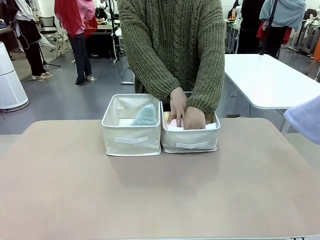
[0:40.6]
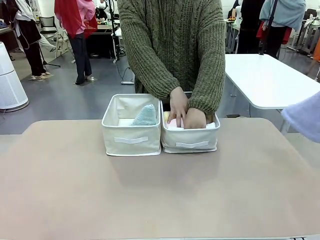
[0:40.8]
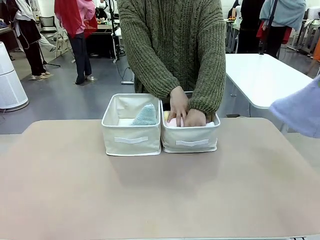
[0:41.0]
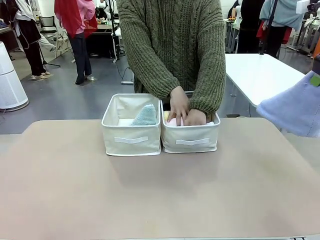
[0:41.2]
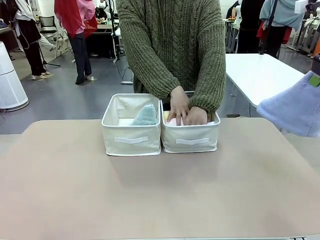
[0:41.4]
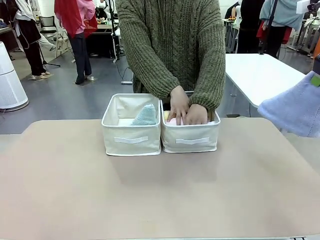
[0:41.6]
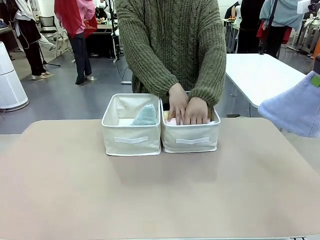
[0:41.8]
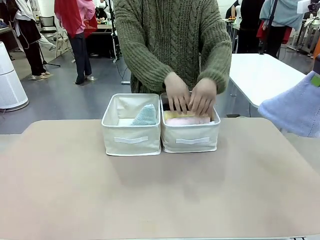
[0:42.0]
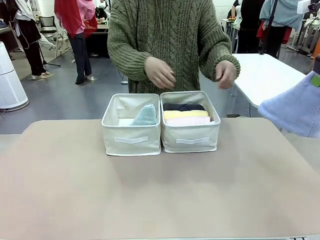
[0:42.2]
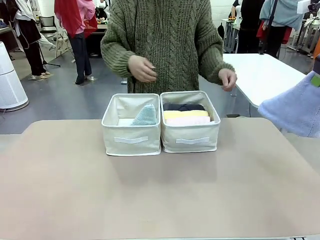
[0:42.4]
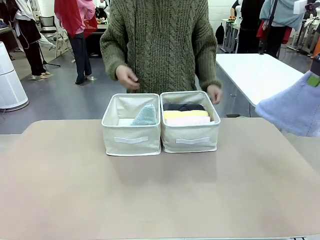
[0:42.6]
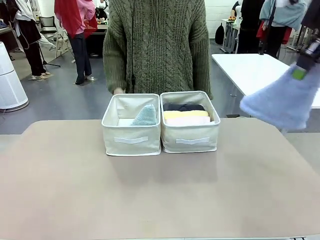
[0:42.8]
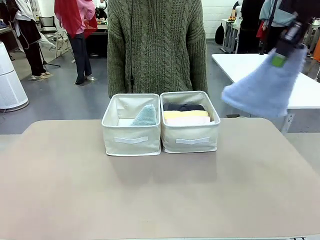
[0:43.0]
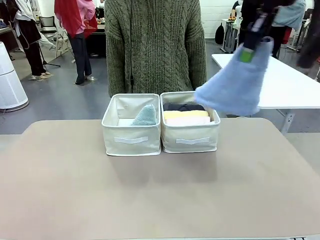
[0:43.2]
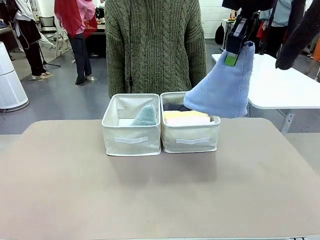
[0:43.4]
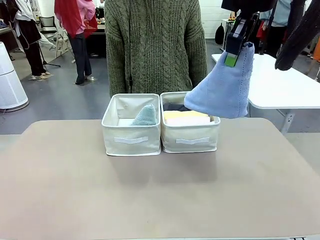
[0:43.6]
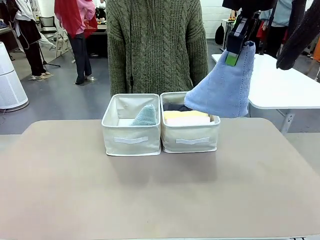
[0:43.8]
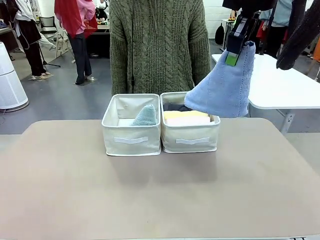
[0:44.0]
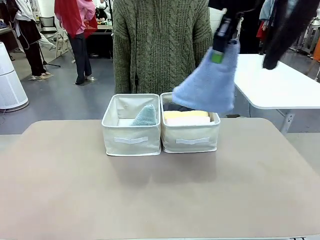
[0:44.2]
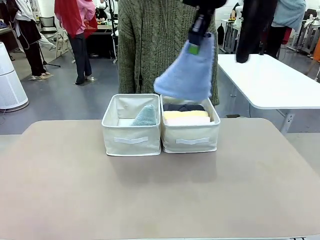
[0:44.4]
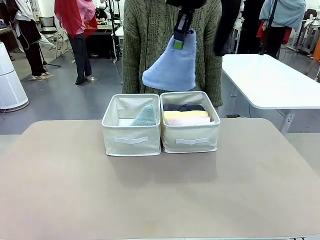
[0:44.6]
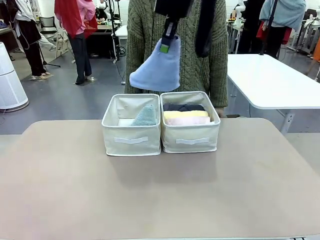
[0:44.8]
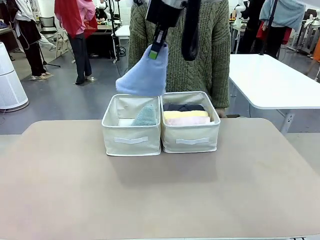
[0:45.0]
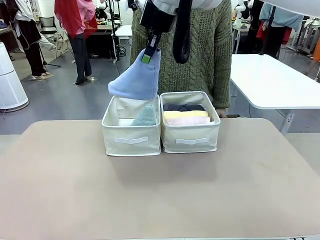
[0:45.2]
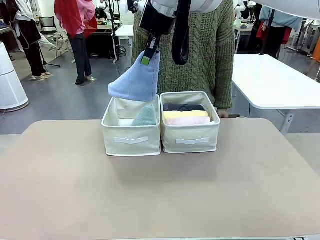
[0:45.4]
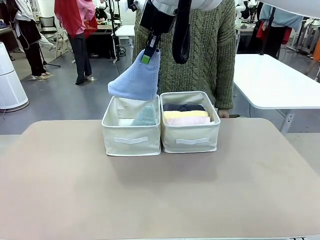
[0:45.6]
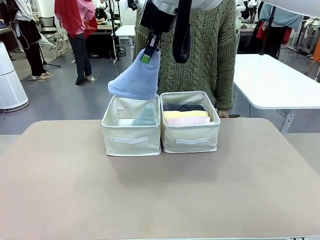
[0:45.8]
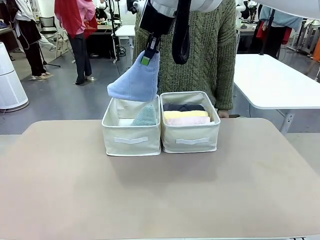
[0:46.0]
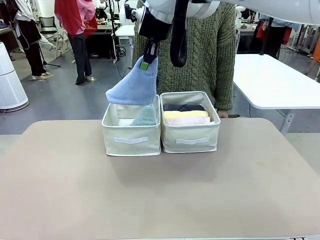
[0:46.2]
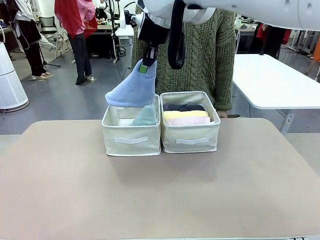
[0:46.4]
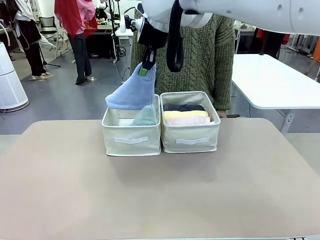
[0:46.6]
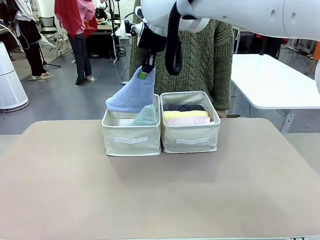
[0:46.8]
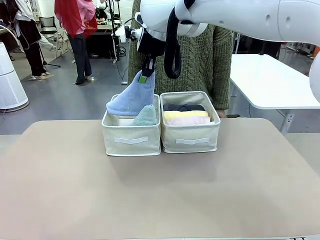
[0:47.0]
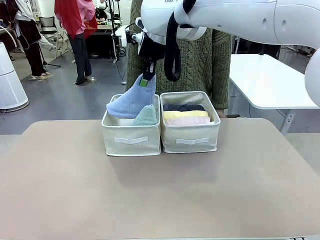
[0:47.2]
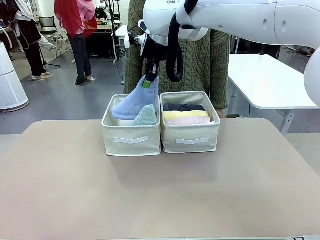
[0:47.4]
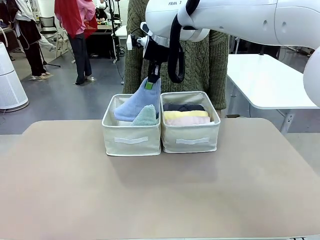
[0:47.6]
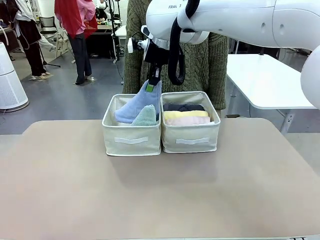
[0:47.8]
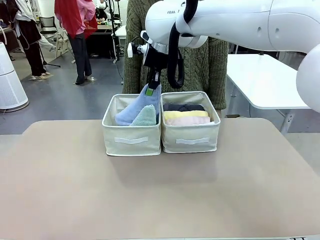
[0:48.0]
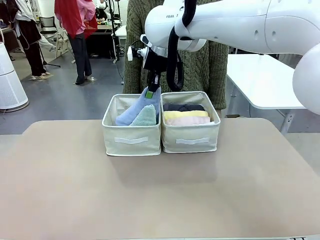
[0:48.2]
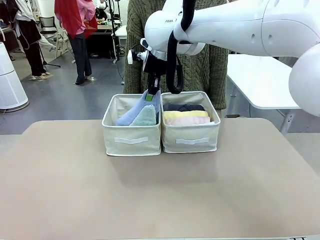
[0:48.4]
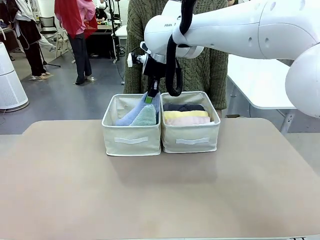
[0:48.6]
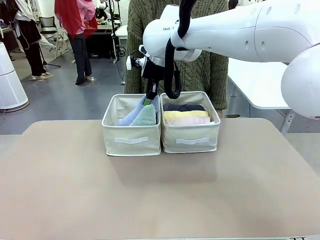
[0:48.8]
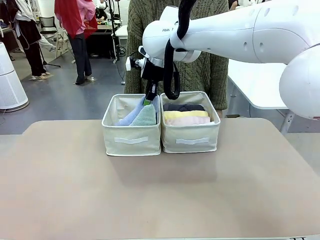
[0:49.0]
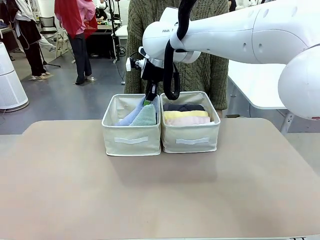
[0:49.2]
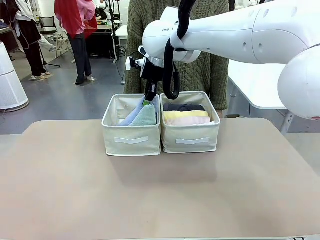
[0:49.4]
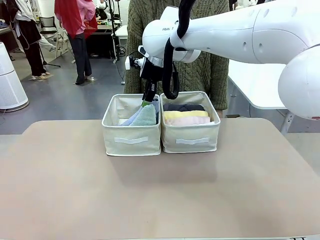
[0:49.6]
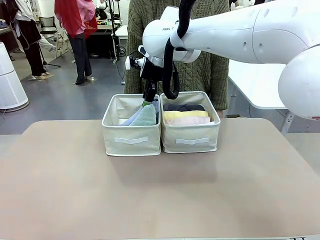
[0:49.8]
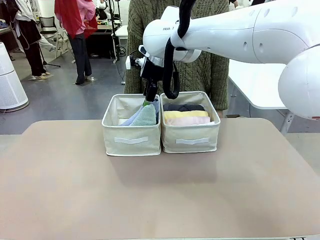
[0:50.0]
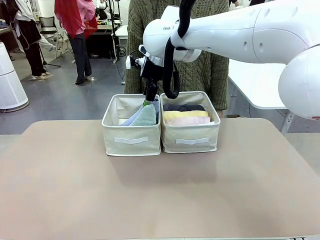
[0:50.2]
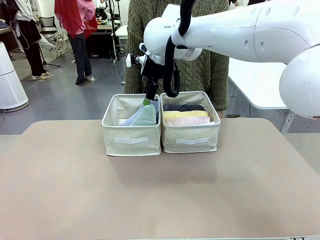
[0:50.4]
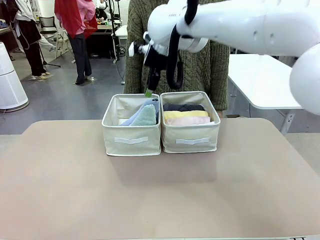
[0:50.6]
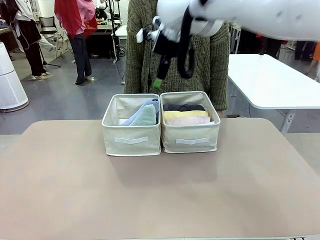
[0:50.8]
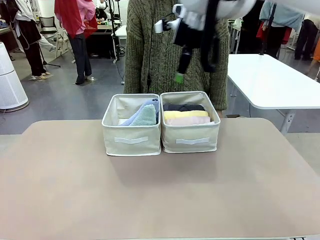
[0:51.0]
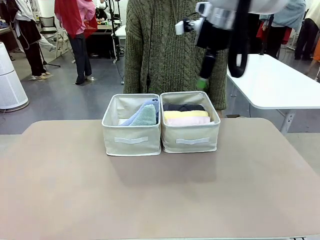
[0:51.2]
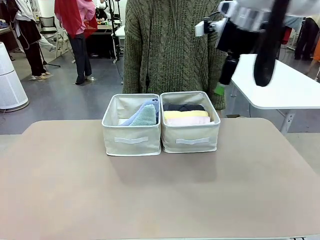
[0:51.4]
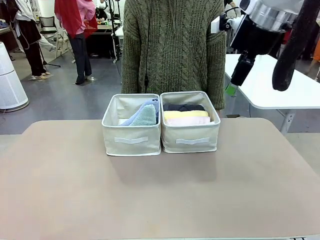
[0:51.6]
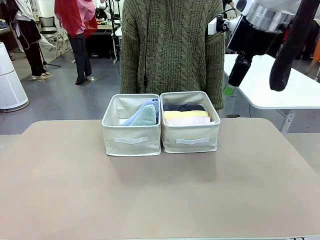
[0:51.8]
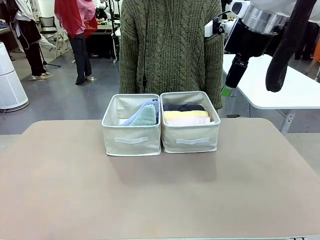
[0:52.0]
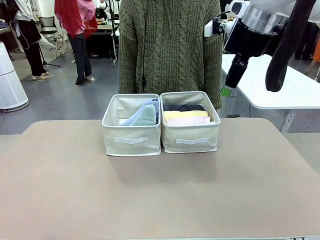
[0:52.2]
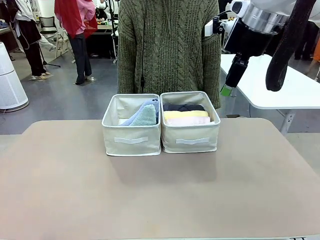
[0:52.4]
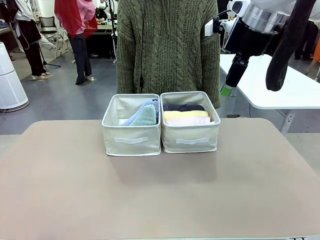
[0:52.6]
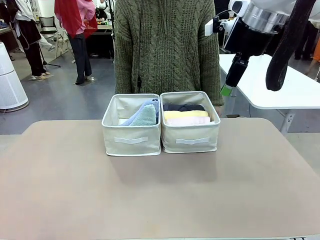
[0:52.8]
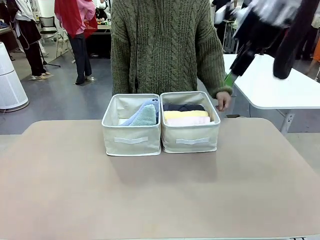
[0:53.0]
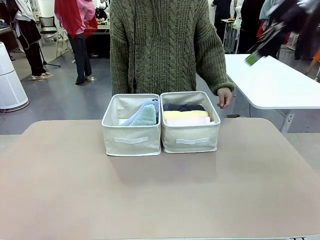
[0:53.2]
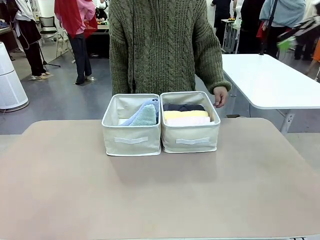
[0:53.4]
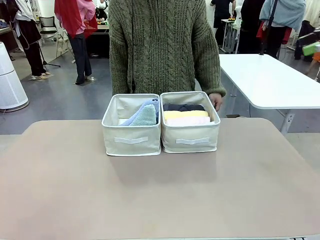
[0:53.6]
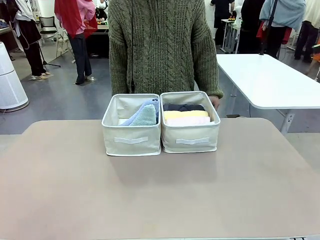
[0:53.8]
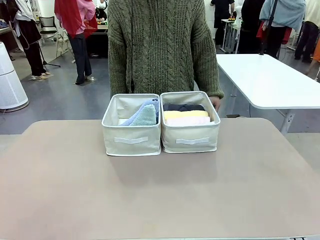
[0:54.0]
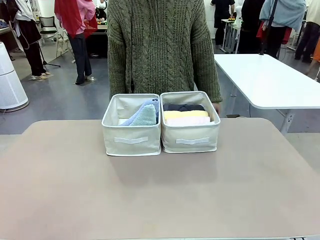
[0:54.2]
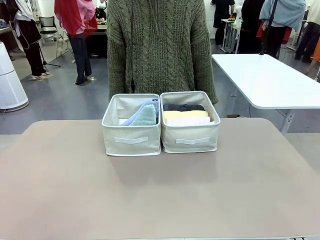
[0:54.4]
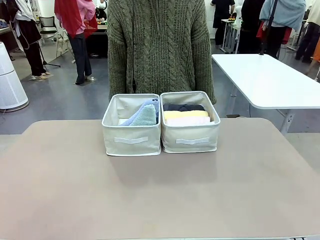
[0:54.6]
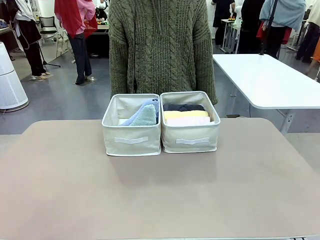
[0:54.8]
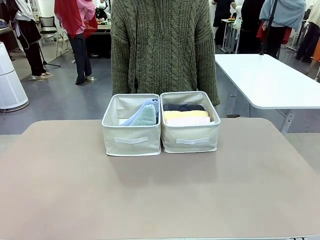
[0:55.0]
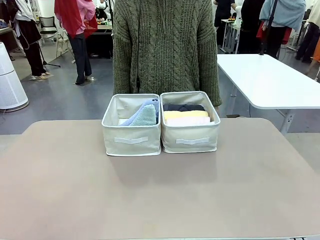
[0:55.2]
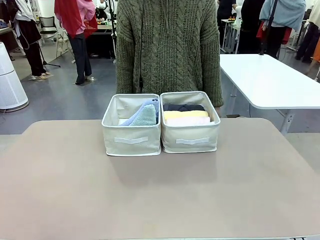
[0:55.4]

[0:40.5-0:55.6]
Task: Sort the towels based on their folding style.
Robot: Pick up another triangle-folded towel from the table and place it in the left Fabric basket.
